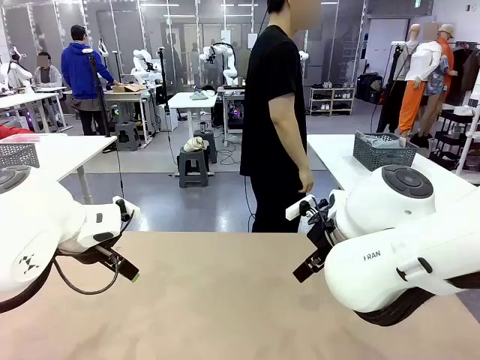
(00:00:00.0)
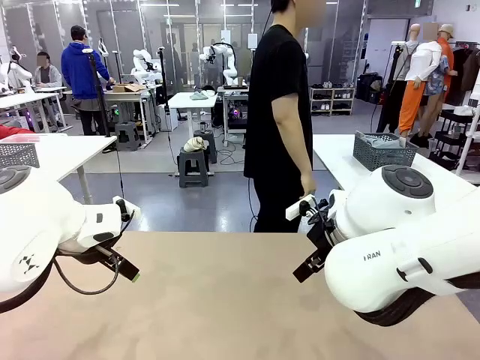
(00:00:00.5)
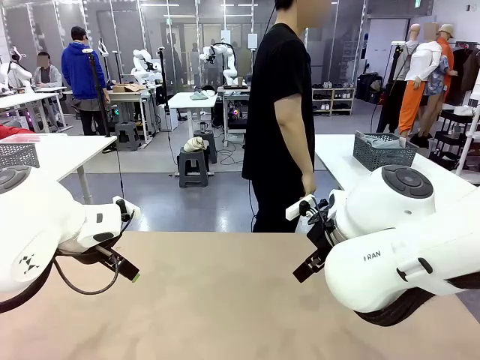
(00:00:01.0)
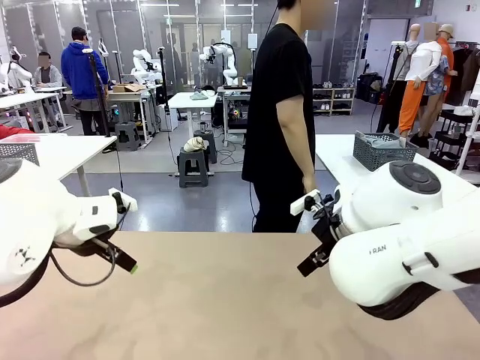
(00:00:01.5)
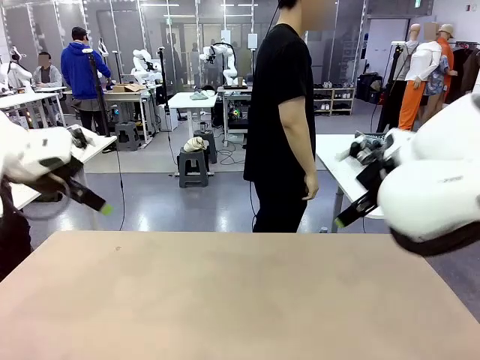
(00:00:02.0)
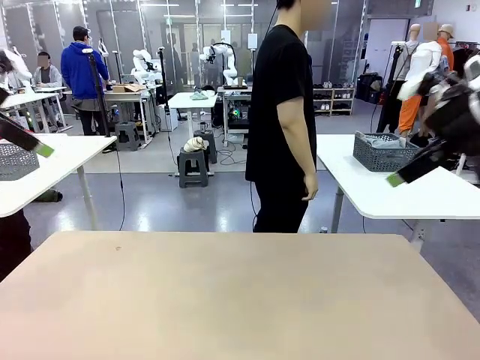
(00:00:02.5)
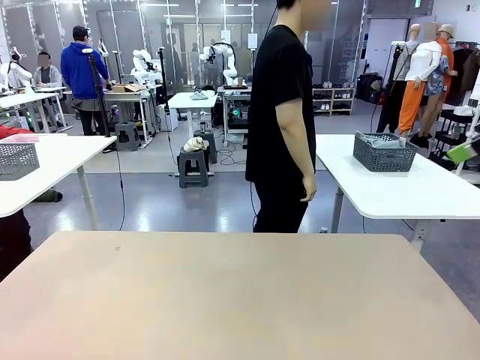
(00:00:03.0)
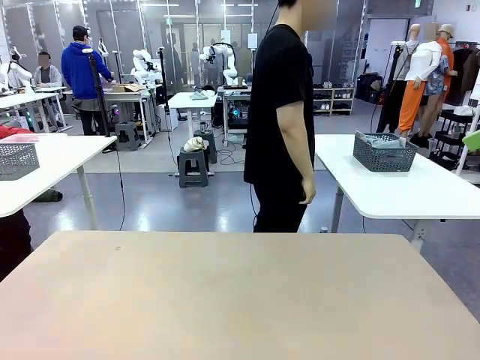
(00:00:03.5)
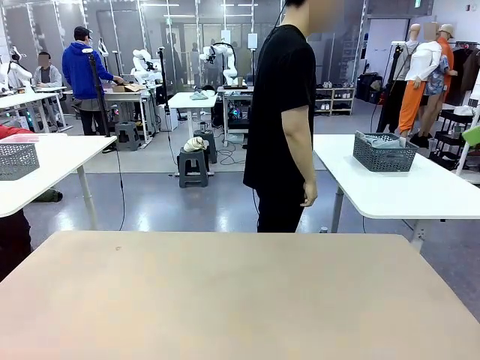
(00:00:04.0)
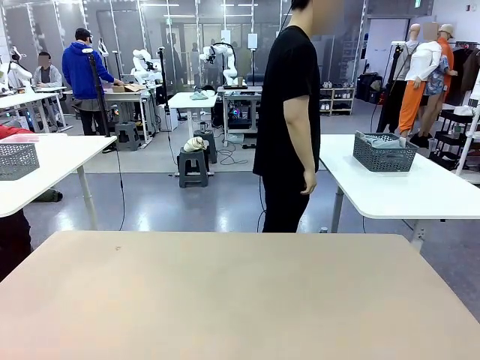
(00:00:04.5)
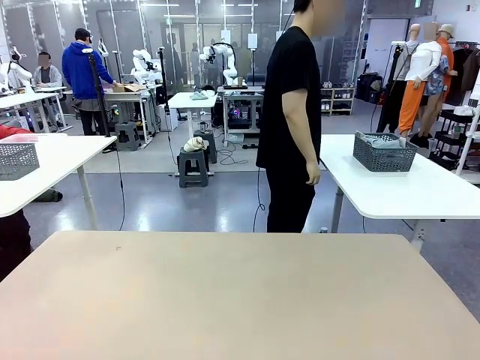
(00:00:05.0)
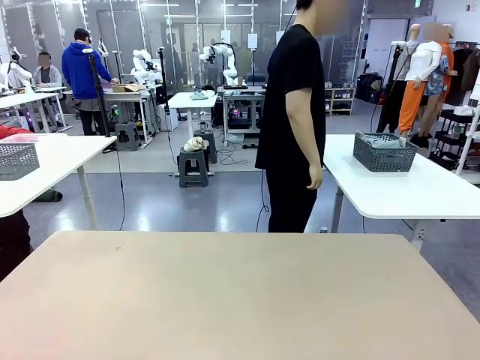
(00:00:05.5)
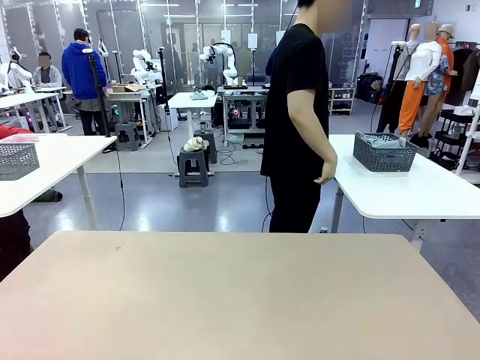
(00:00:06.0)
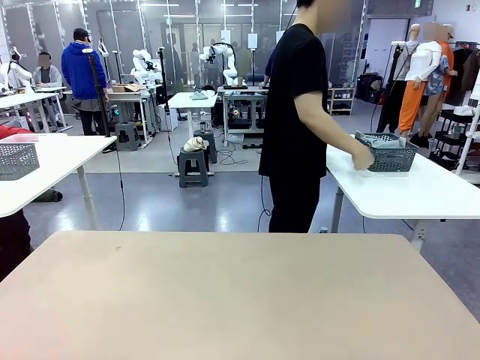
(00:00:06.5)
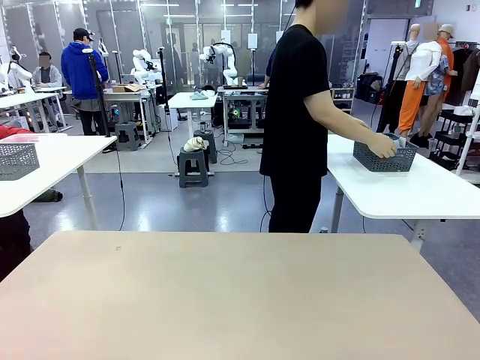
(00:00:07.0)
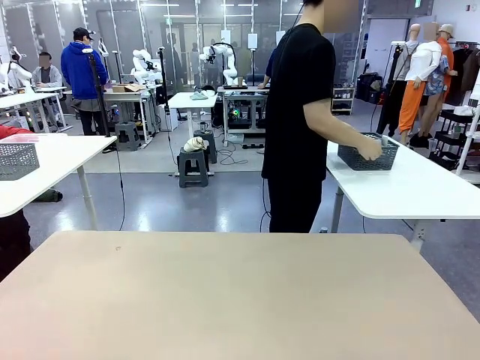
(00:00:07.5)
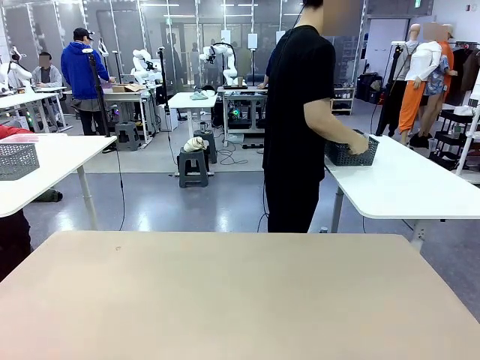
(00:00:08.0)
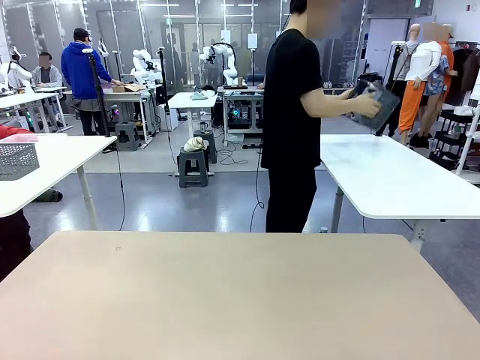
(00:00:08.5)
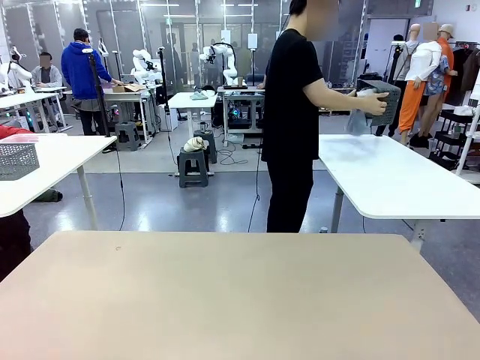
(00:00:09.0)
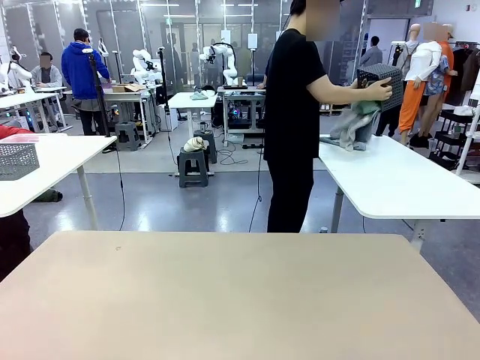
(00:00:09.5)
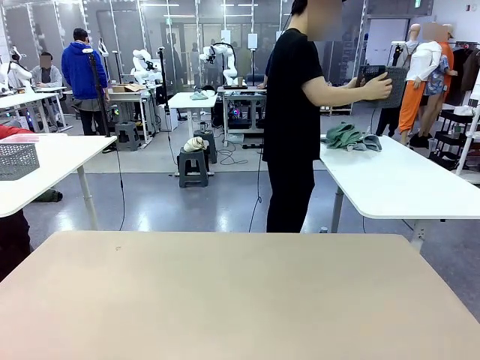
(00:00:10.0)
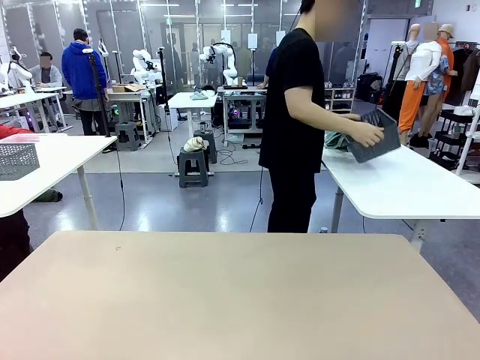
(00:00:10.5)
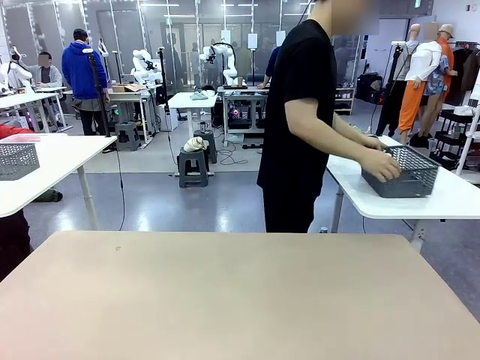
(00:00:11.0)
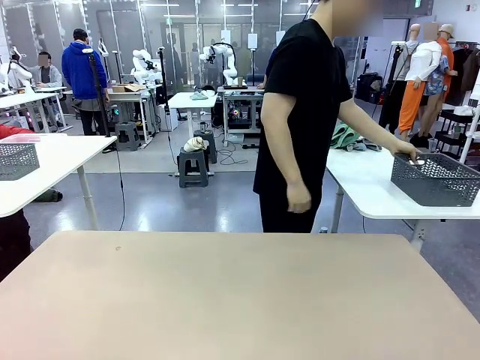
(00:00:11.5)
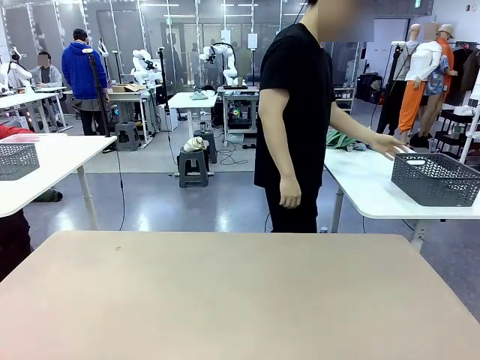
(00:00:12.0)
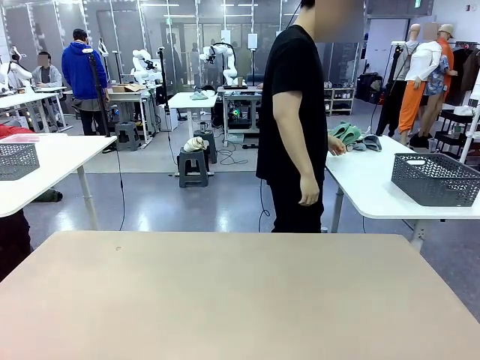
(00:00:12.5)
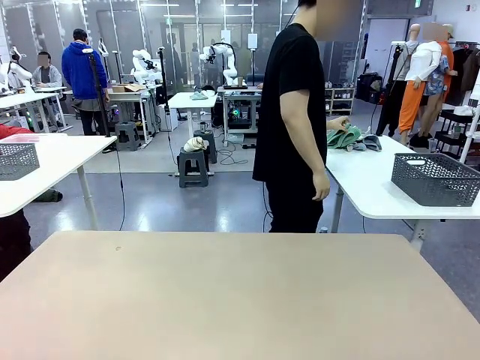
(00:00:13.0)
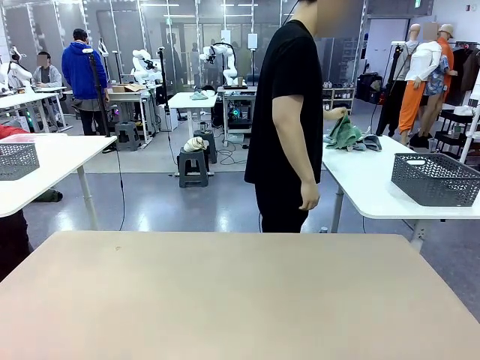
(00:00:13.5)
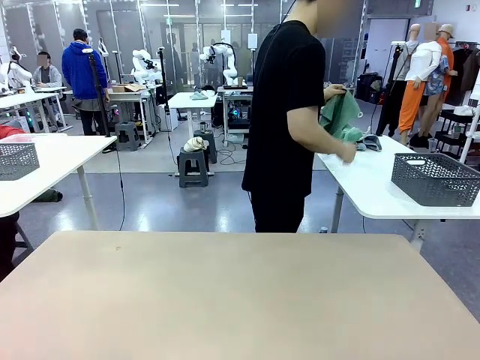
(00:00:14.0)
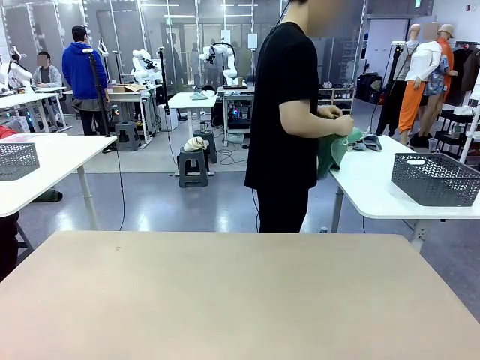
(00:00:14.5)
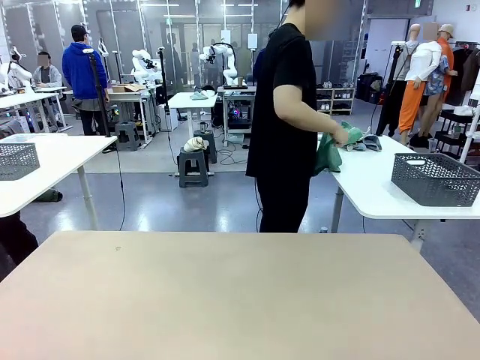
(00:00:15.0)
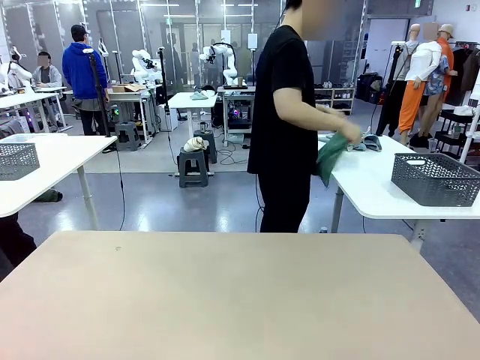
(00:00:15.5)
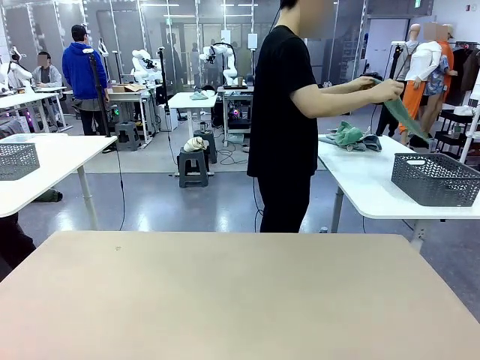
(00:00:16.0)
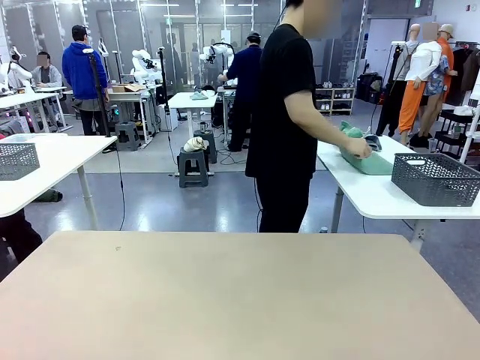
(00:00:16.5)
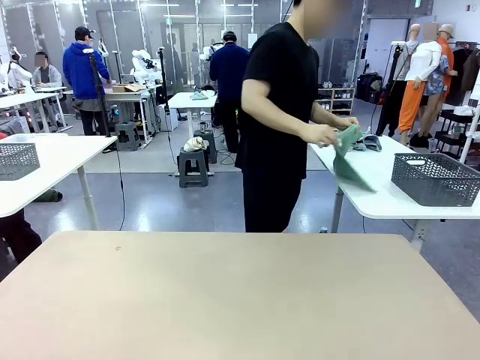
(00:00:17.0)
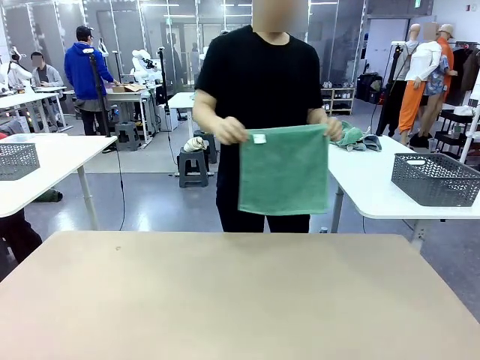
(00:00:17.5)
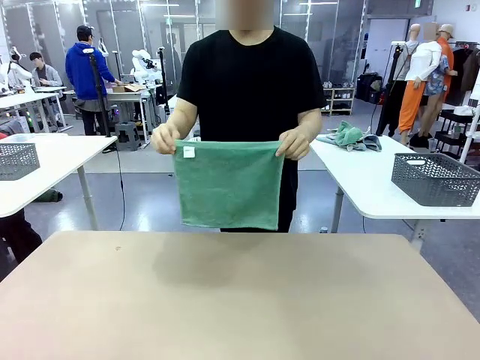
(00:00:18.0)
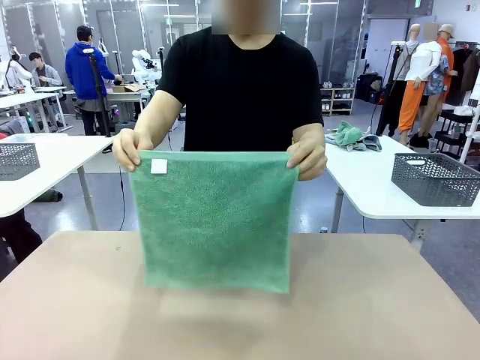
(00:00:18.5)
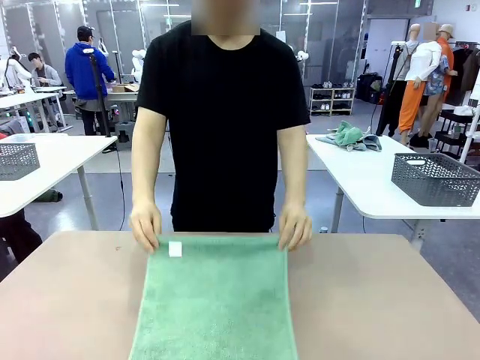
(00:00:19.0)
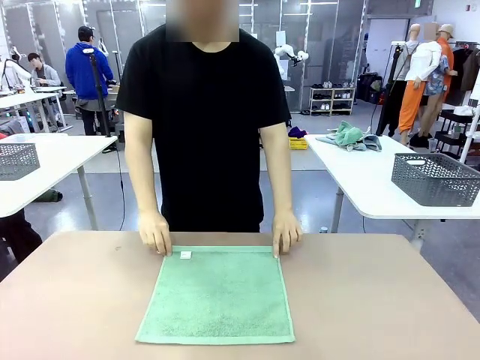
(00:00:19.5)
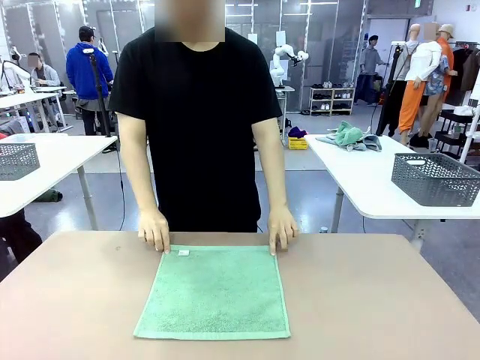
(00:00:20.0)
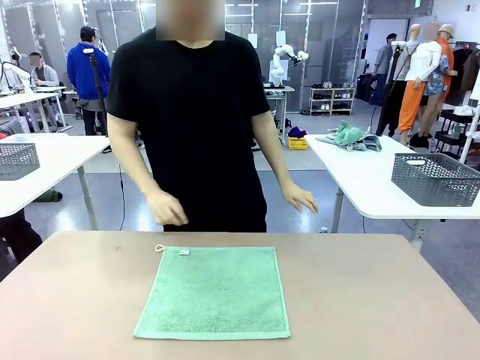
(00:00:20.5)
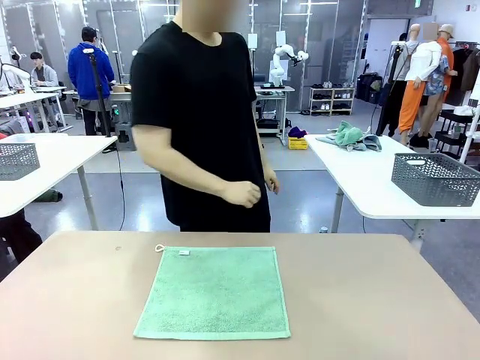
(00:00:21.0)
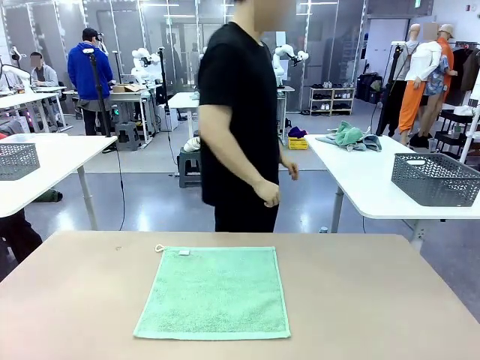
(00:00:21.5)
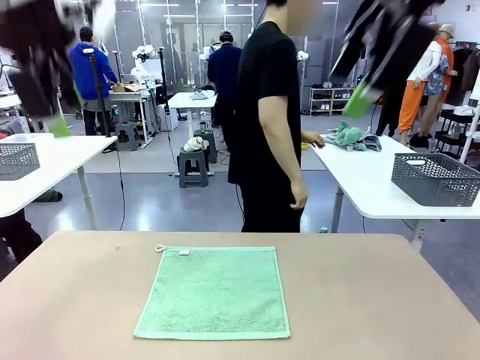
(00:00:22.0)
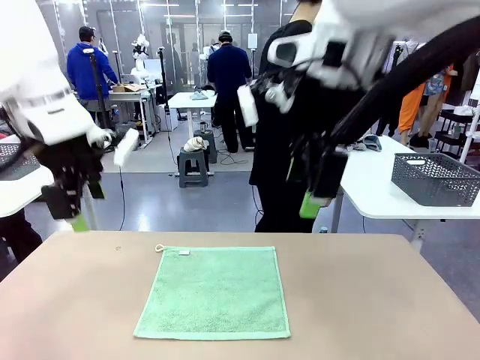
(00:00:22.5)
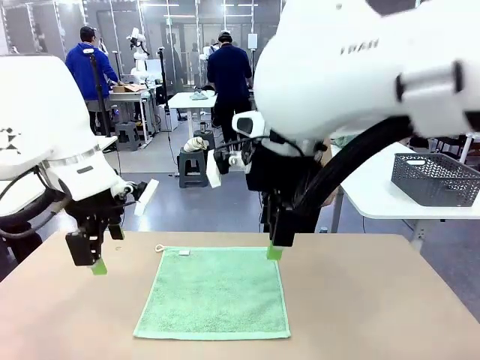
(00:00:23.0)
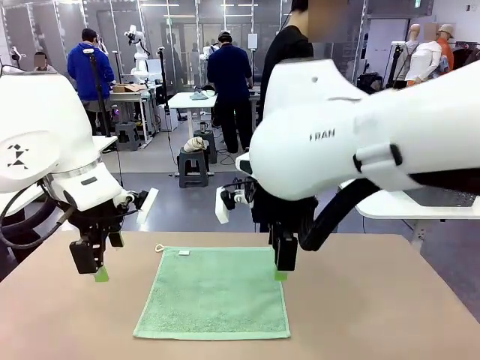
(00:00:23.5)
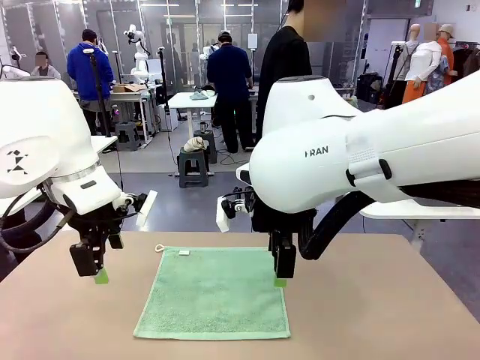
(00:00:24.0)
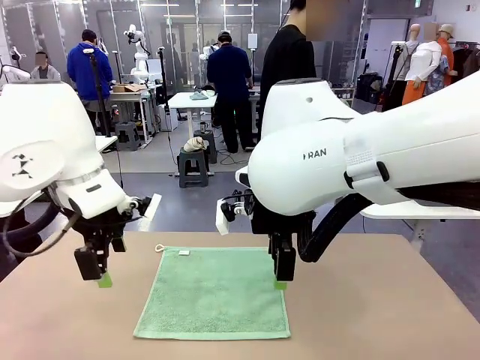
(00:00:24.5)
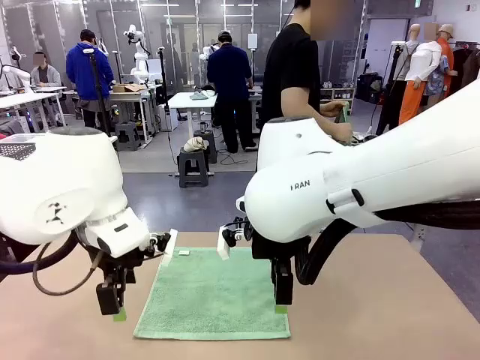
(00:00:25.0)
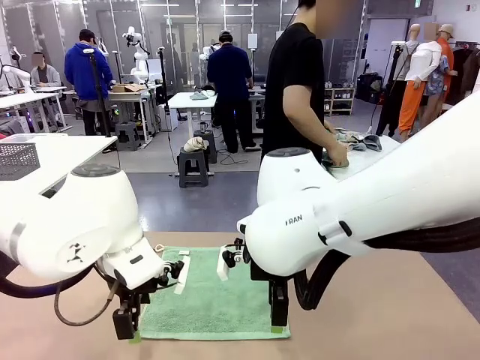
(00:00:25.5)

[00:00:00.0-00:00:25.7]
Task: Fold the towels and place them in the basket.
Robot: When a person lays out a Towel with hook on the table, fold it in half twice.
Person: Pick up the basket, pour the towels onto the left side of the human table, and place the basket on the right side. Pick up one towel and spread it out at the center of the robot table.
